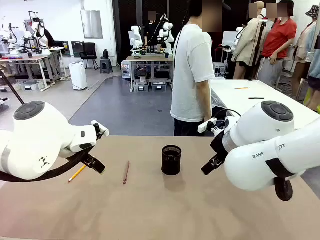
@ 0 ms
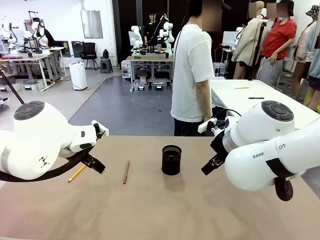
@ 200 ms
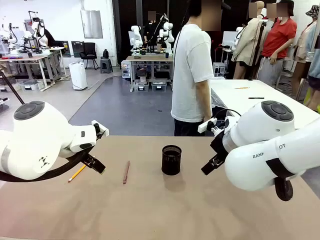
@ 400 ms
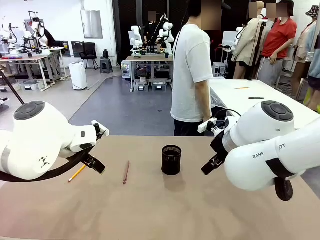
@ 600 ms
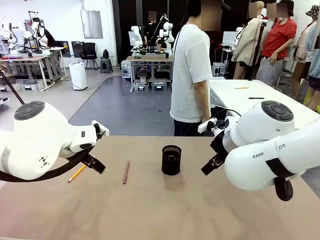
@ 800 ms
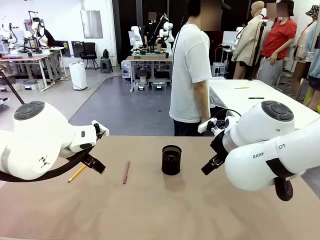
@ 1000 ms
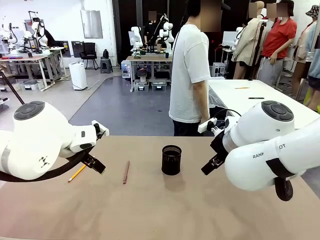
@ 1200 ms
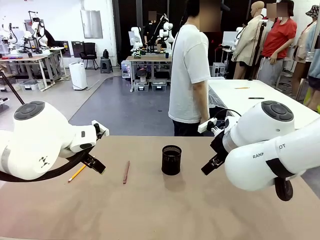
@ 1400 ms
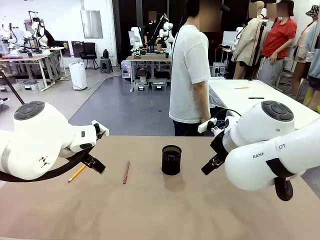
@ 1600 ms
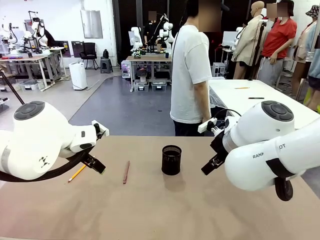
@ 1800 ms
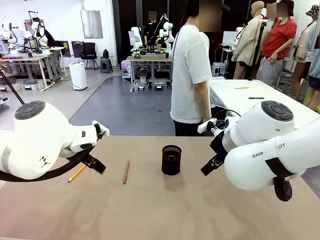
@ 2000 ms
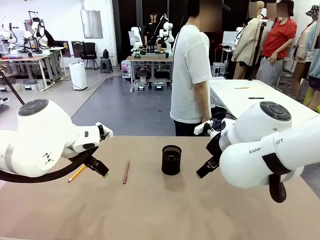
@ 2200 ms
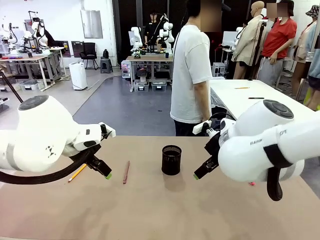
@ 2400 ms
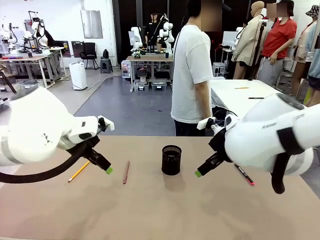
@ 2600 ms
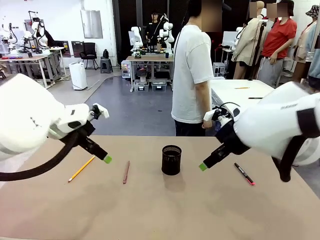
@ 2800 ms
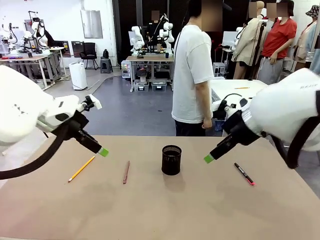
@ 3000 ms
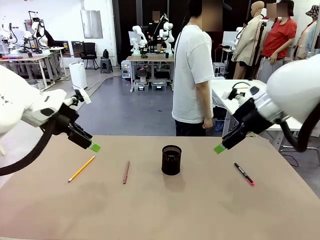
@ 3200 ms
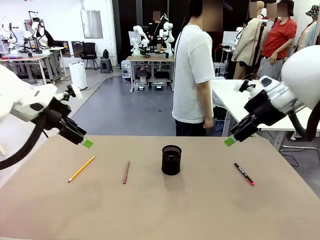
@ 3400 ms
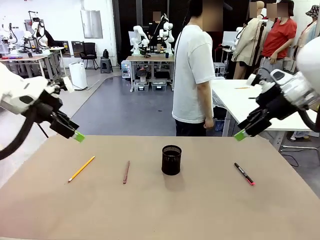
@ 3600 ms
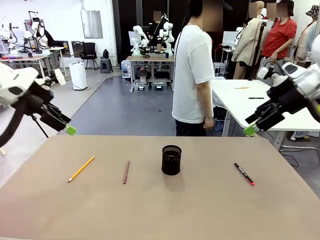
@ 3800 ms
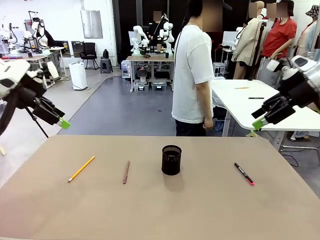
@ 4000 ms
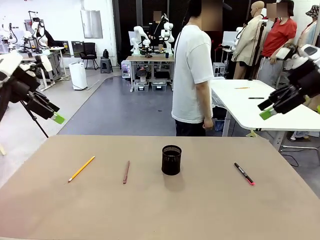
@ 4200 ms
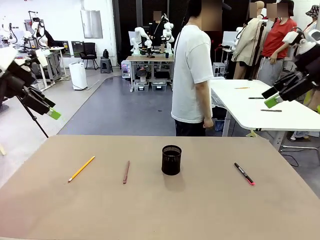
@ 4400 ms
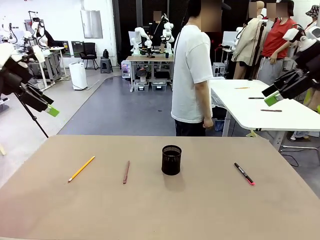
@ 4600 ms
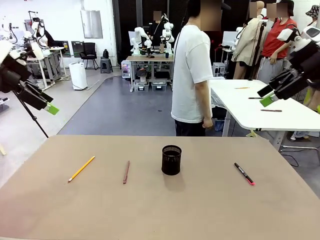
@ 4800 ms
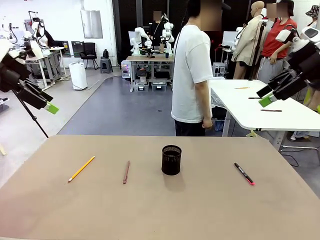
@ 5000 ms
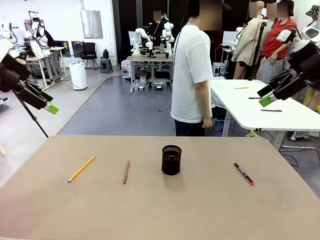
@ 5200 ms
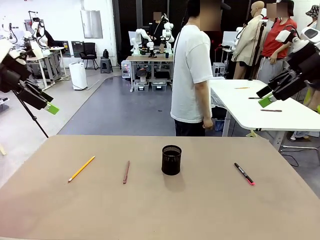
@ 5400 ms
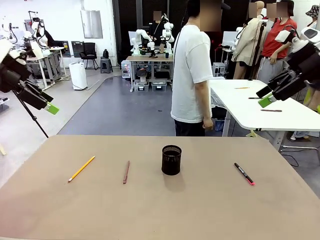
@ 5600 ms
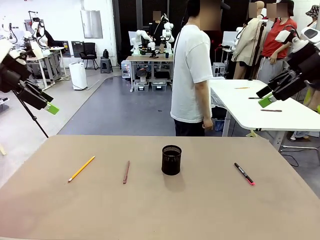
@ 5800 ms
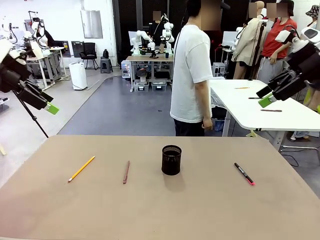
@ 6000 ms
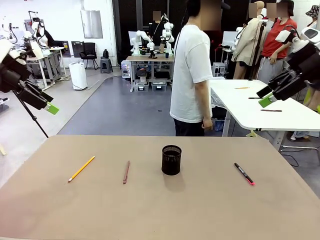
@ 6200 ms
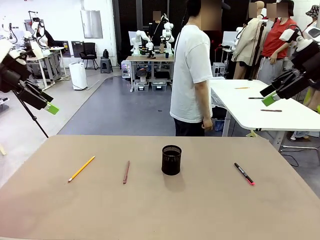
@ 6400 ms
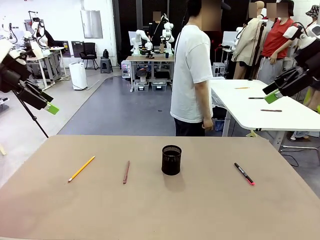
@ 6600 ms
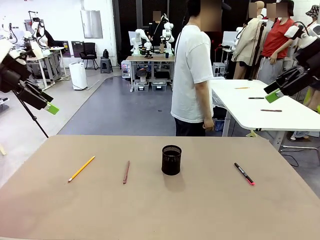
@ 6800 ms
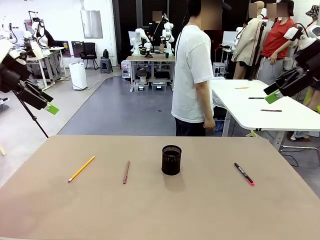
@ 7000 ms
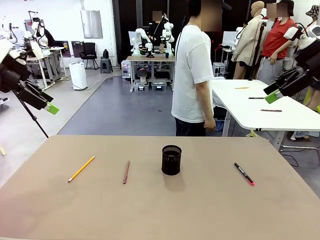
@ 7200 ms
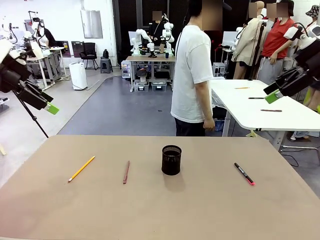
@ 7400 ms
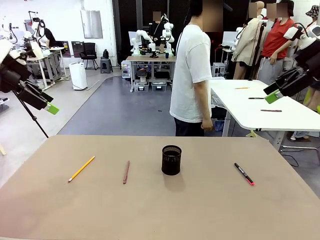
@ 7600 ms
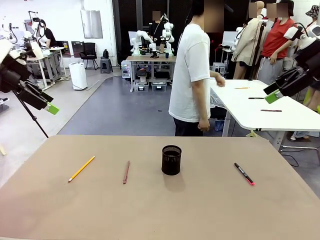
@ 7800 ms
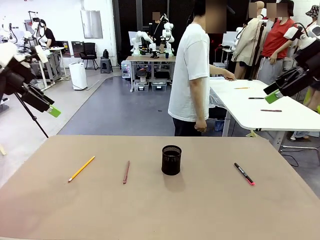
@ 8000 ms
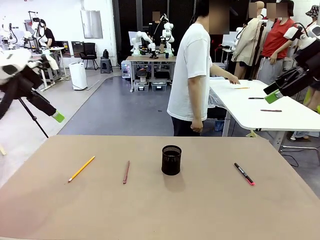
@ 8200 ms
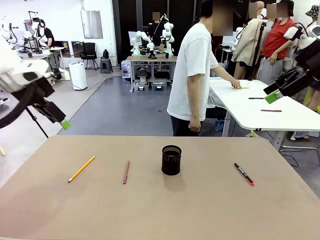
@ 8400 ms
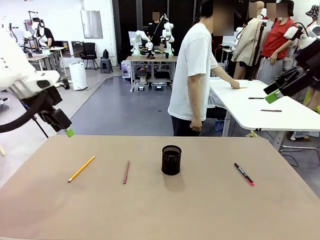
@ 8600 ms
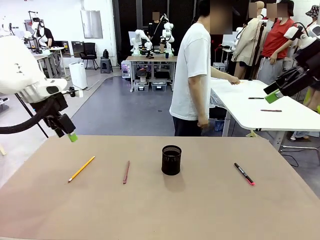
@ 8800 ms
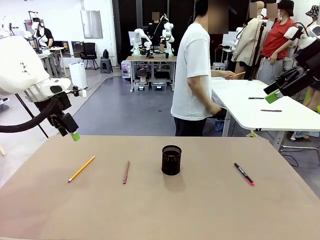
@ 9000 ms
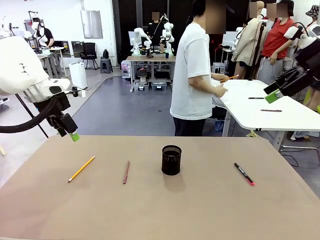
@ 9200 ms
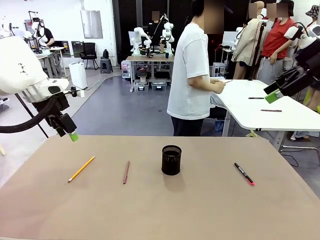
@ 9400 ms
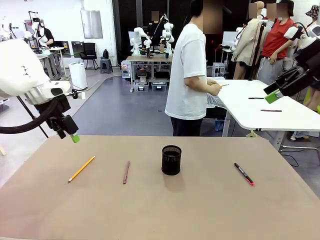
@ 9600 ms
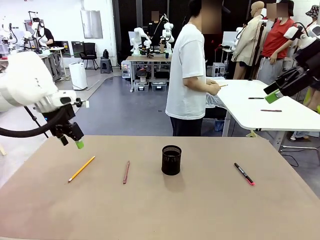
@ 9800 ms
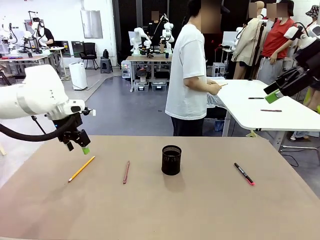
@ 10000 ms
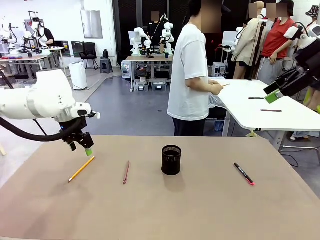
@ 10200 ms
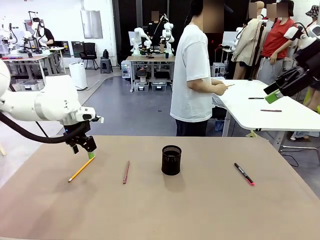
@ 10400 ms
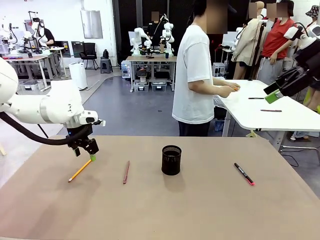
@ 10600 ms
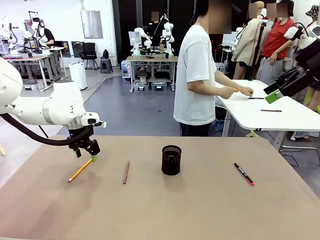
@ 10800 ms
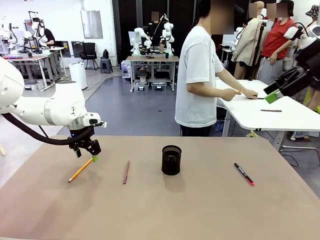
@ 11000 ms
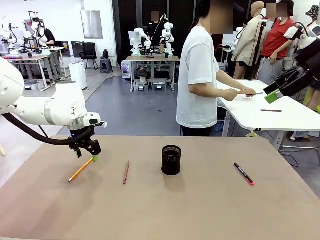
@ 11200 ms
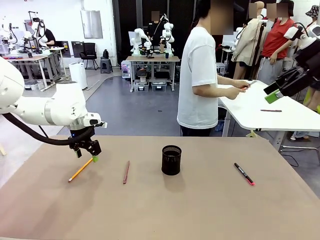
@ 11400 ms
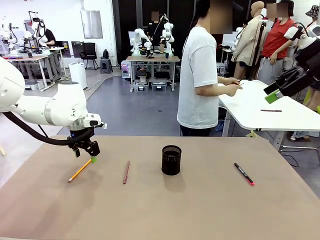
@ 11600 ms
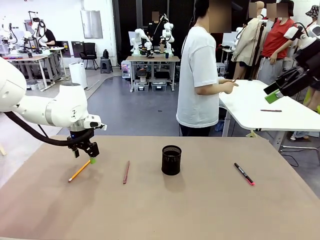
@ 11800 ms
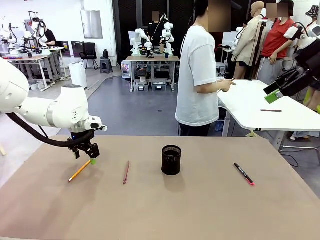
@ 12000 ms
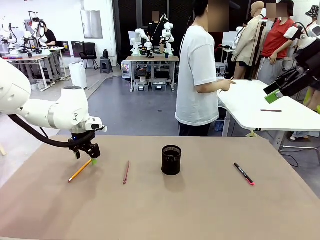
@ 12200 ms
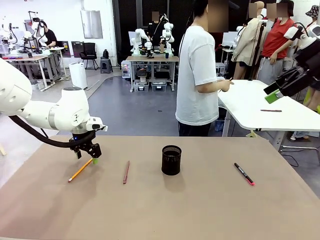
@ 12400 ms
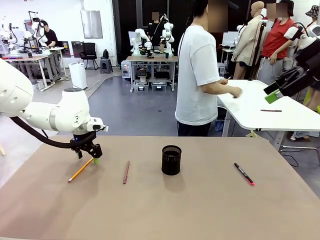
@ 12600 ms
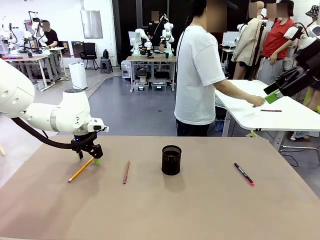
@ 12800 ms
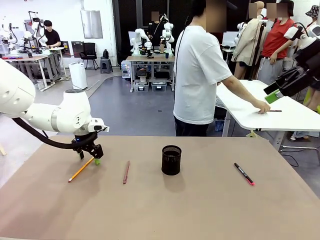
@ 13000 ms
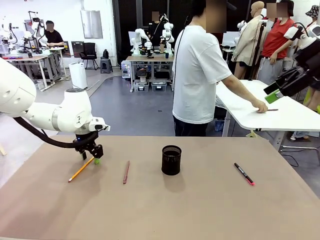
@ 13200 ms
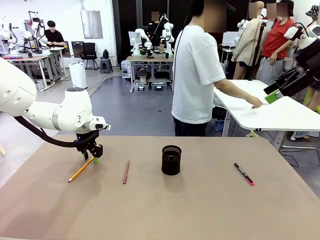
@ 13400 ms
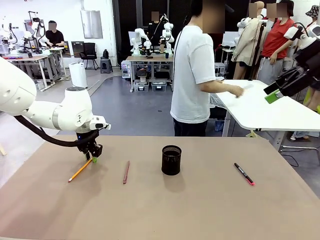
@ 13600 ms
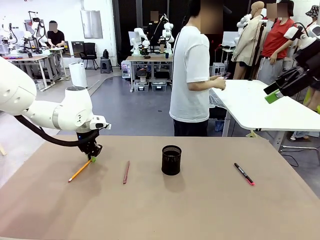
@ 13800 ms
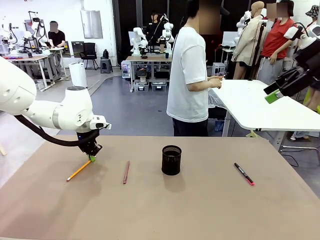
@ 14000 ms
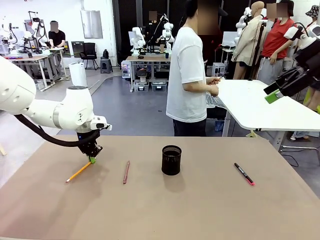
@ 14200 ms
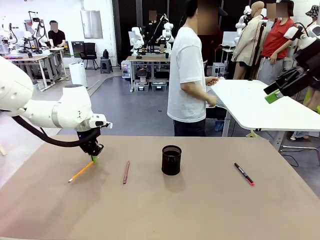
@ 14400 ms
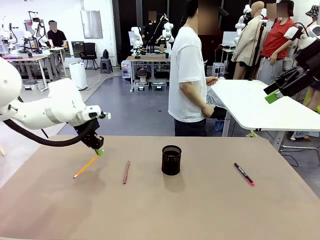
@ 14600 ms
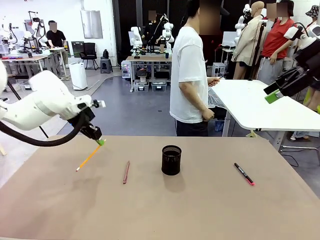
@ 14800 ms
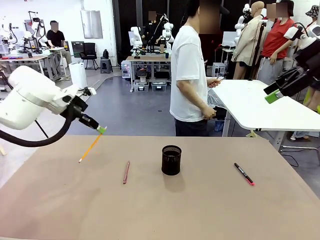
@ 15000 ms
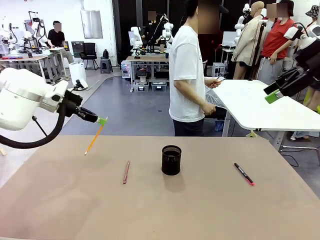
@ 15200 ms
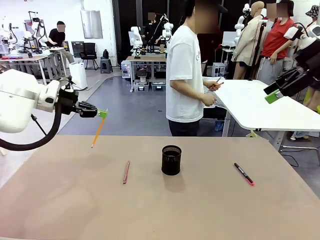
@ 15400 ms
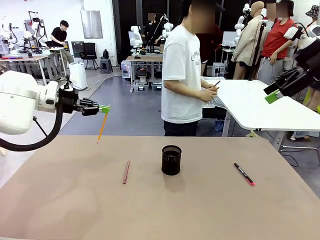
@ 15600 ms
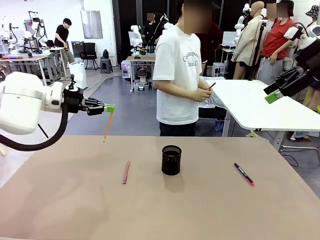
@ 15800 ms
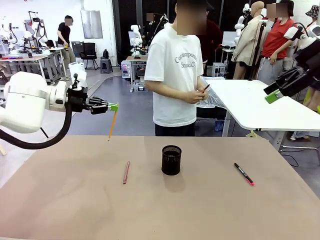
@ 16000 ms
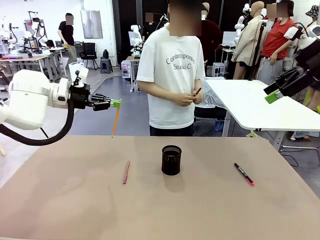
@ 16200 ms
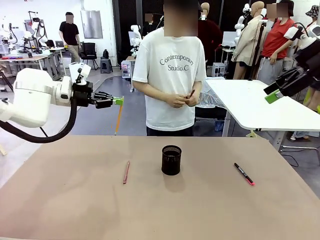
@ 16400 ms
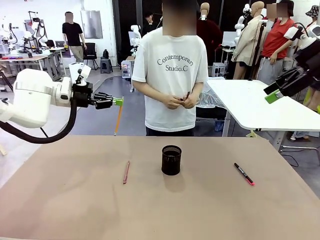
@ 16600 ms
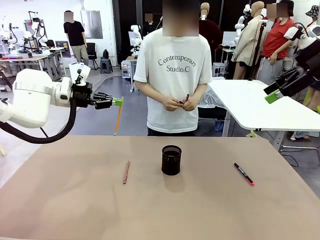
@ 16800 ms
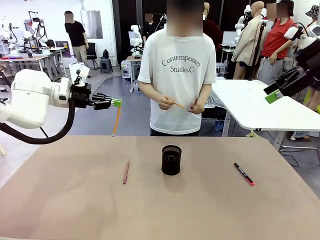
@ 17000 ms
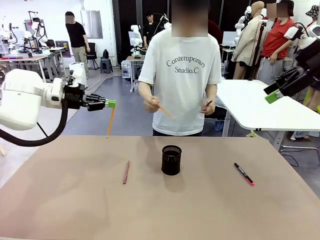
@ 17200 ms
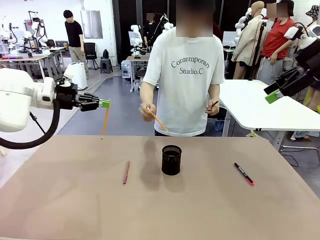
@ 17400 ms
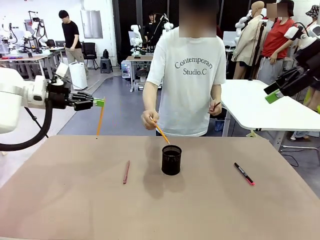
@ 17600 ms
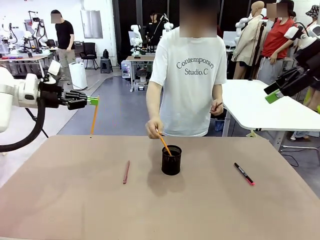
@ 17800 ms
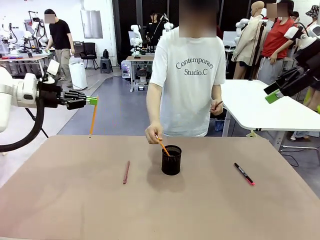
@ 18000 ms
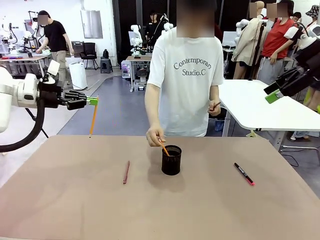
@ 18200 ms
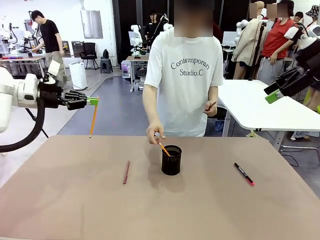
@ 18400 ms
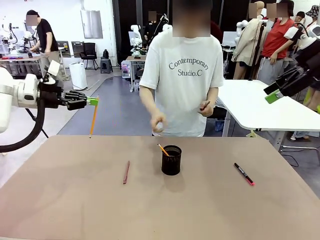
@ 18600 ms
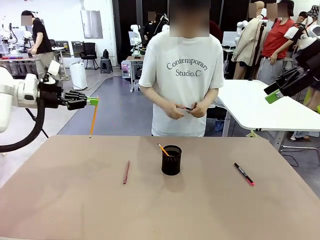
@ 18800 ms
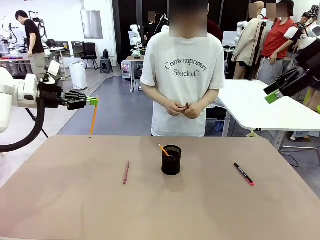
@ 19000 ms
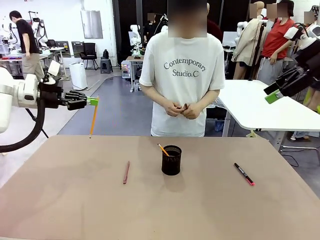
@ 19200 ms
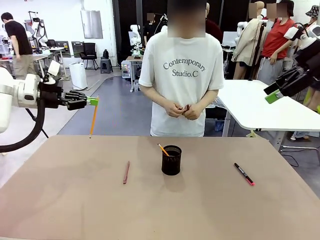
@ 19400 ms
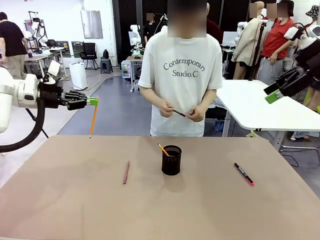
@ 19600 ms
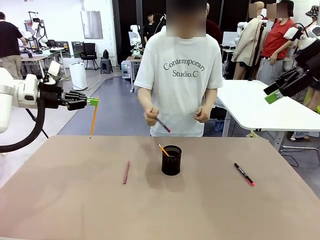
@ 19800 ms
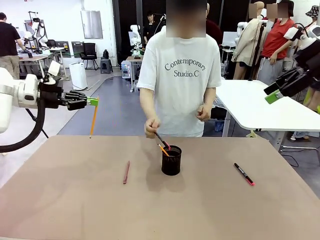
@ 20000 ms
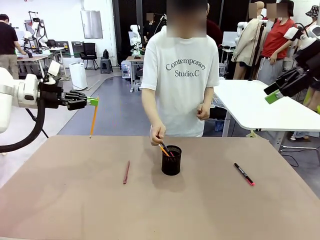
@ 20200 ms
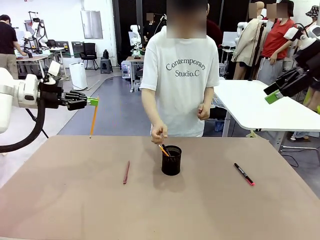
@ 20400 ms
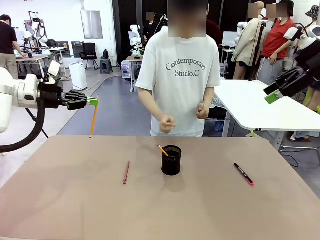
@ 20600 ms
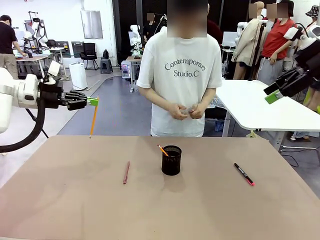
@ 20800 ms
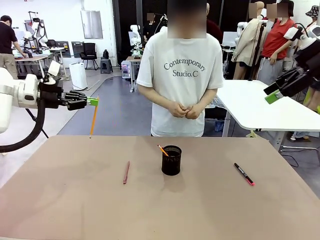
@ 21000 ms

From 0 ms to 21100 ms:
Task: Place the pens into the pen holder.
Robot: Pick up a writing instrument from the table and place it into the Pen holder.
Person: Pick up all writing instruments from the Human table.
